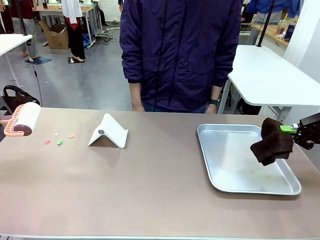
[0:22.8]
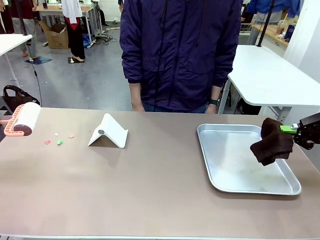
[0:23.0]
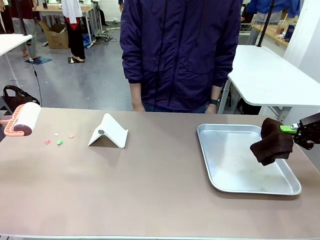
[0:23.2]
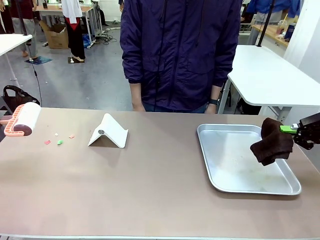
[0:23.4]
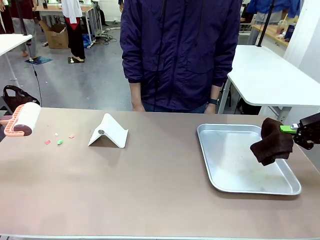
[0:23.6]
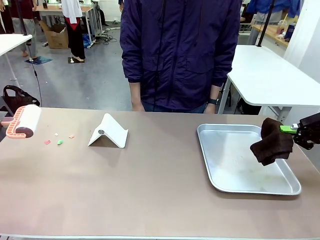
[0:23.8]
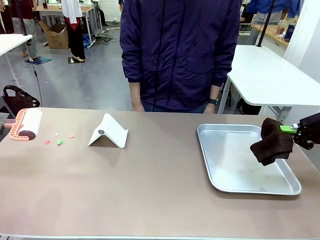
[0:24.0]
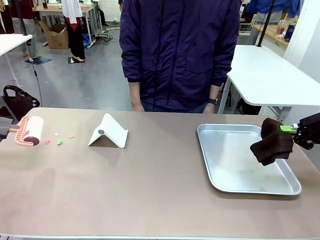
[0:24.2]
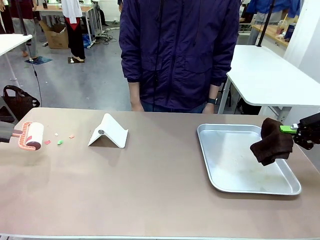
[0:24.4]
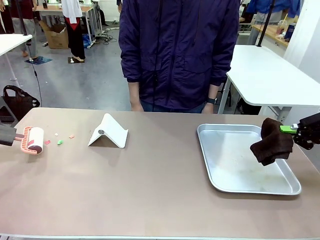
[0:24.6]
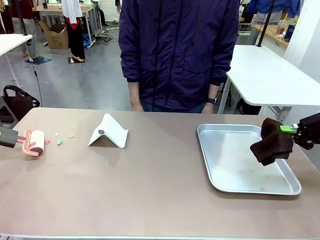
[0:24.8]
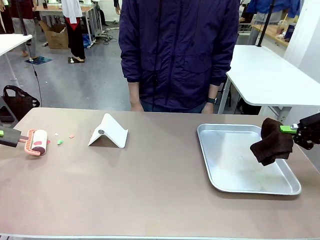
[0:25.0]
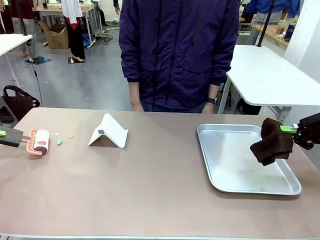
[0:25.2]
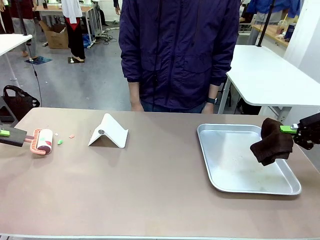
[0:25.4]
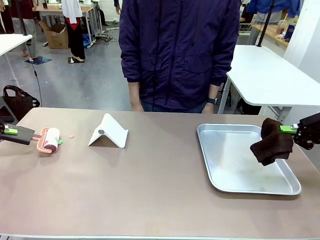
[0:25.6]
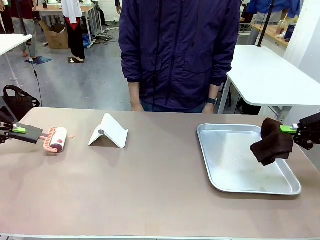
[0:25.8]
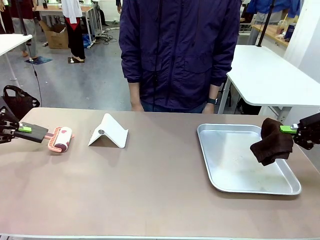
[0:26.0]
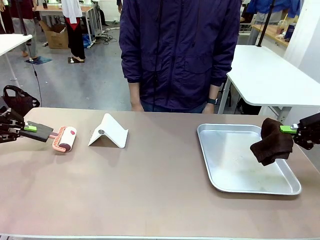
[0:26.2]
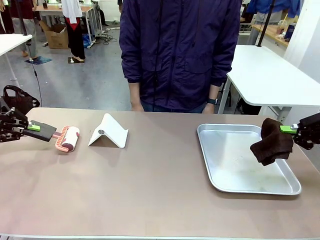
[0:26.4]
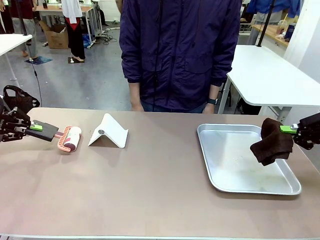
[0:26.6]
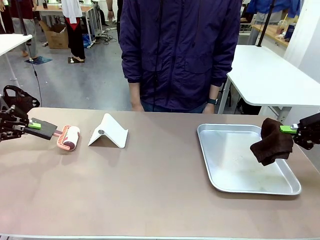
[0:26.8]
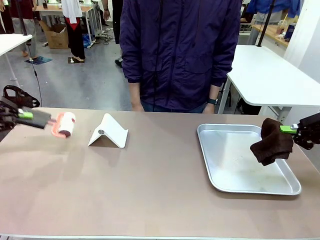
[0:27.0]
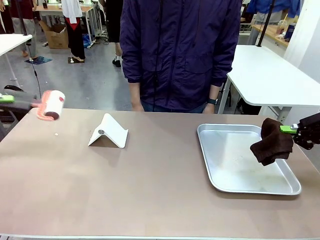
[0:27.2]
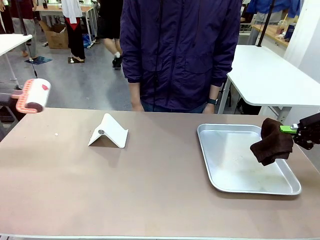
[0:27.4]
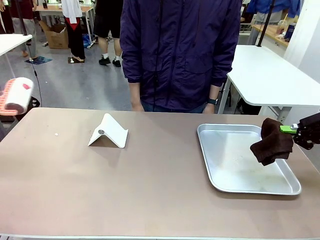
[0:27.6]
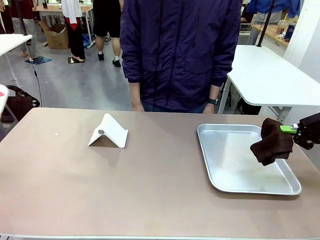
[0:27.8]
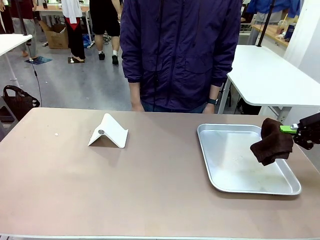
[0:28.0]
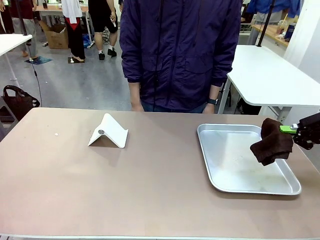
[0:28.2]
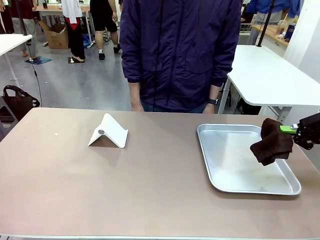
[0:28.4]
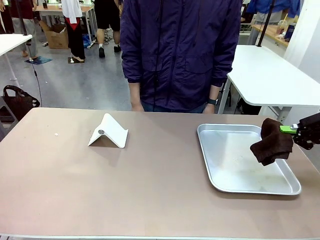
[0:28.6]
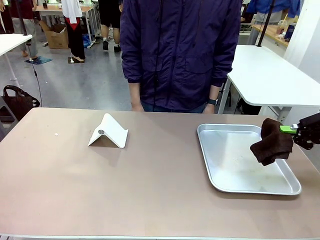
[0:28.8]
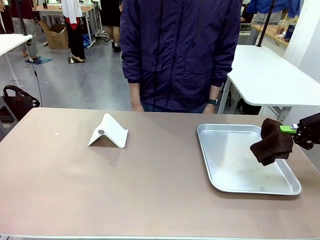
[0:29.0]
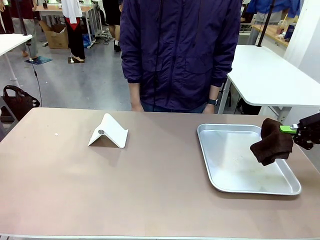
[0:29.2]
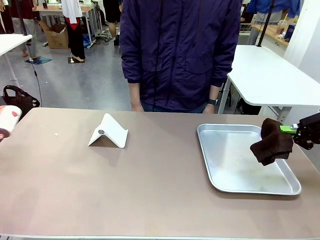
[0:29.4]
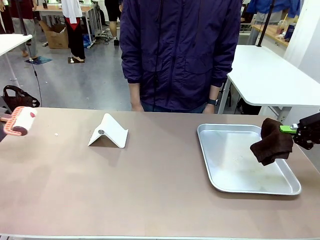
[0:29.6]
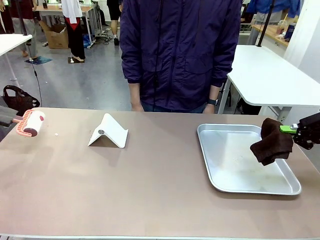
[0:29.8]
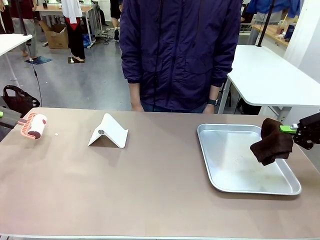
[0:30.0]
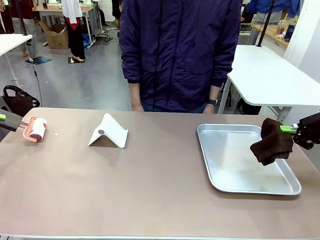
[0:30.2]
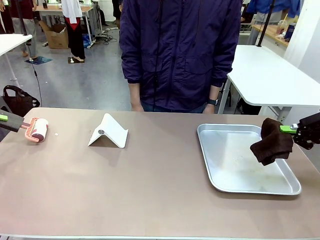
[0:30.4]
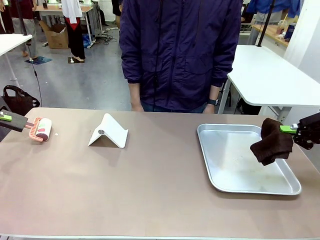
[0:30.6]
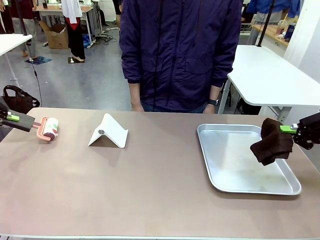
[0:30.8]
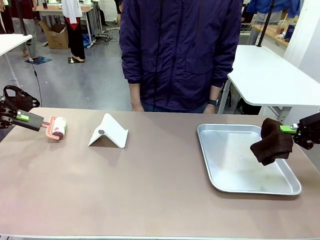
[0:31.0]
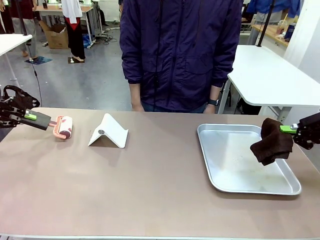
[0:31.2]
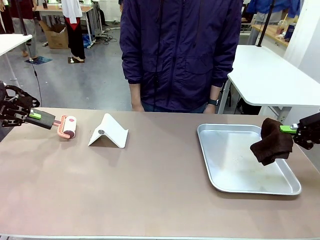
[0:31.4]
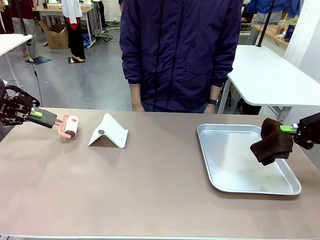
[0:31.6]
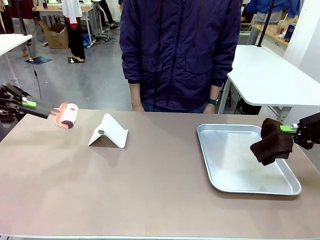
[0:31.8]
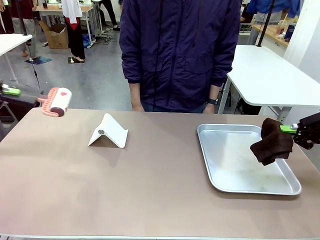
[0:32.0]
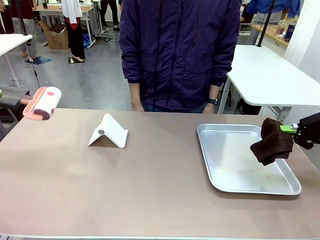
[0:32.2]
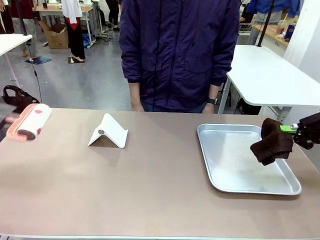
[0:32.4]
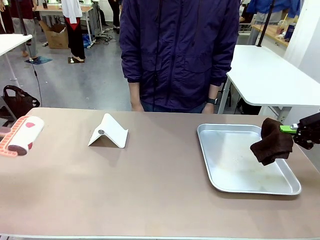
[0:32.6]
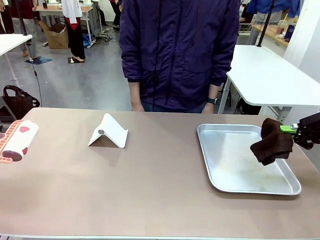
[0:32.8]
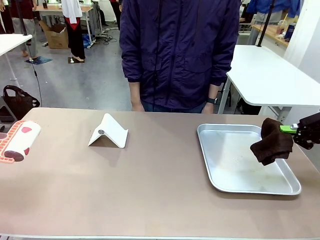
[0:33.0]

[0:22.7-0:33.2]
Task: Clean the surface of the table.
Robot: Clean the area not pointed to by the person.

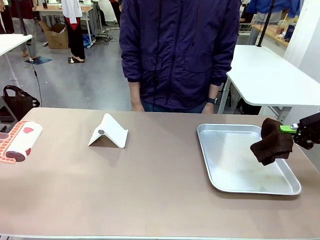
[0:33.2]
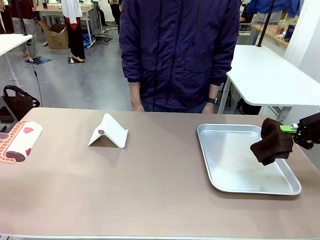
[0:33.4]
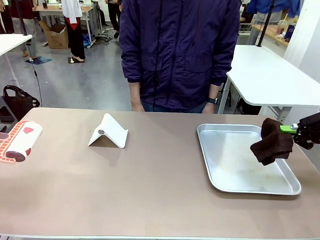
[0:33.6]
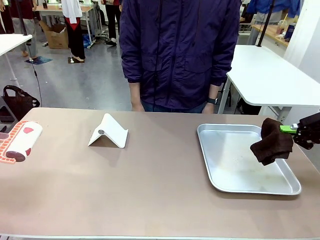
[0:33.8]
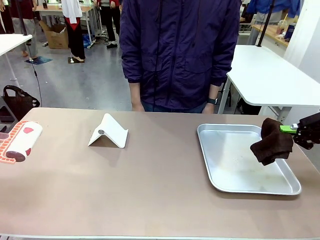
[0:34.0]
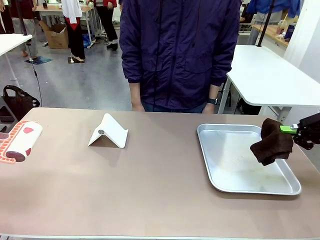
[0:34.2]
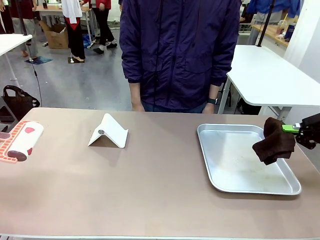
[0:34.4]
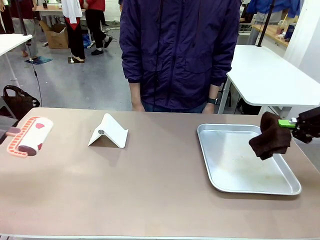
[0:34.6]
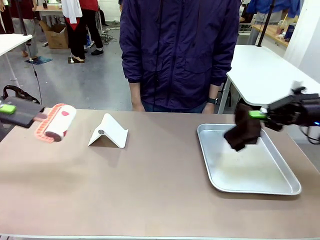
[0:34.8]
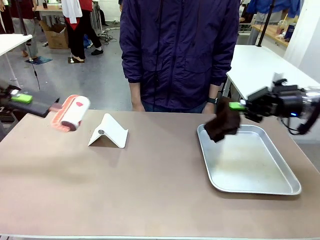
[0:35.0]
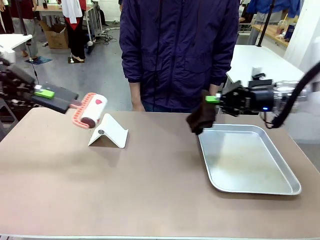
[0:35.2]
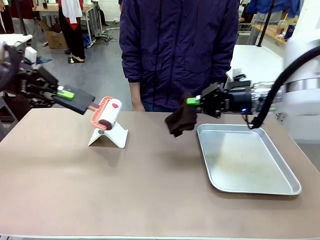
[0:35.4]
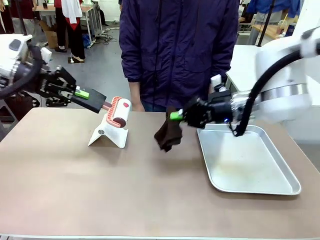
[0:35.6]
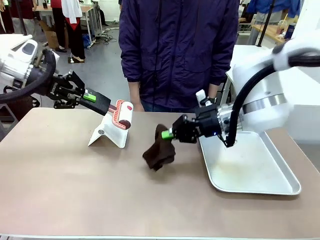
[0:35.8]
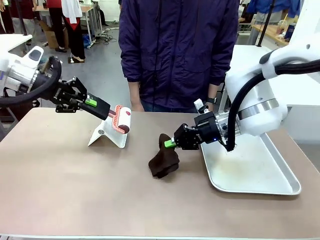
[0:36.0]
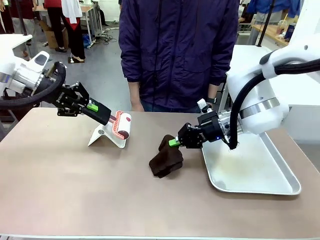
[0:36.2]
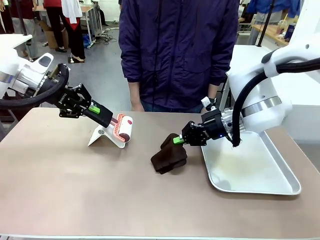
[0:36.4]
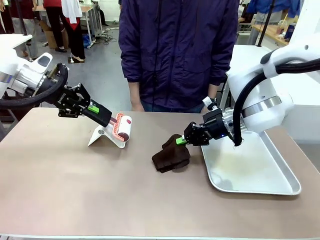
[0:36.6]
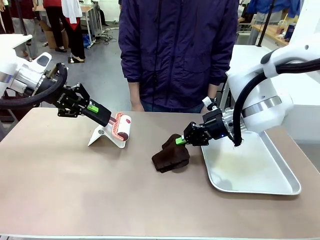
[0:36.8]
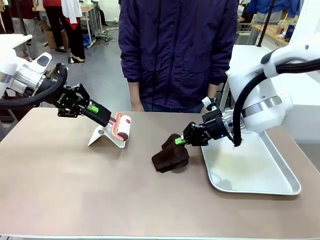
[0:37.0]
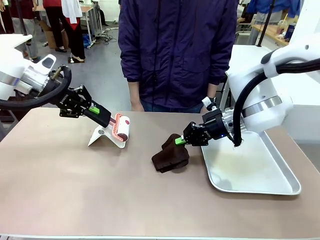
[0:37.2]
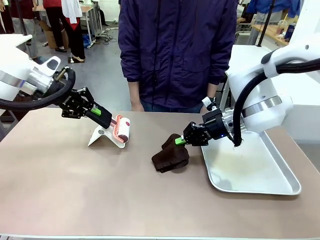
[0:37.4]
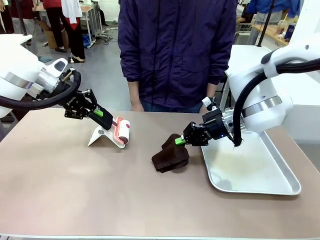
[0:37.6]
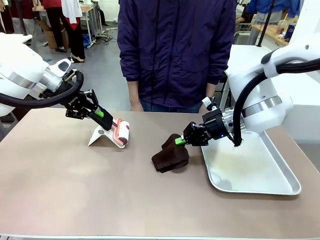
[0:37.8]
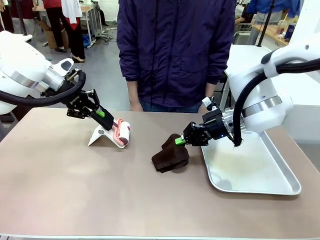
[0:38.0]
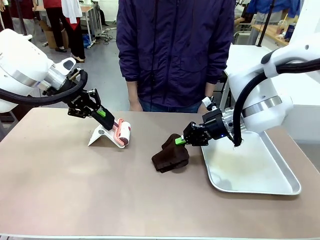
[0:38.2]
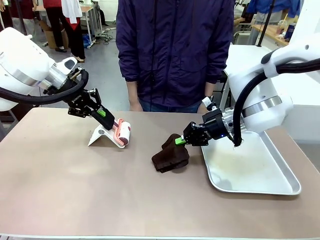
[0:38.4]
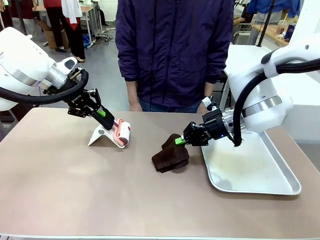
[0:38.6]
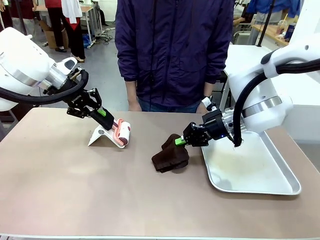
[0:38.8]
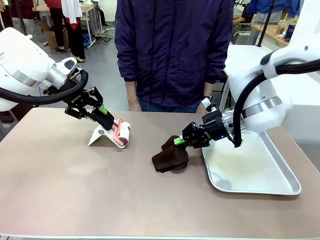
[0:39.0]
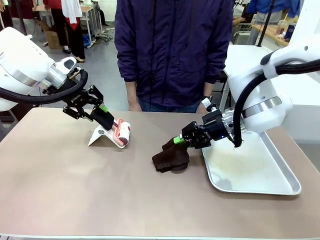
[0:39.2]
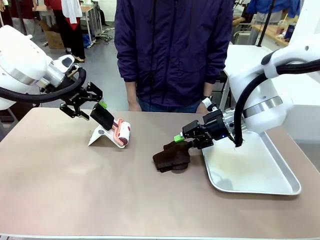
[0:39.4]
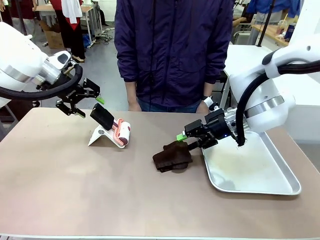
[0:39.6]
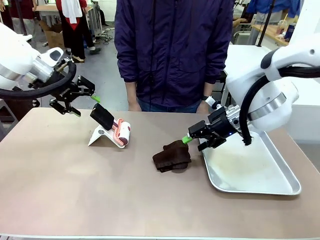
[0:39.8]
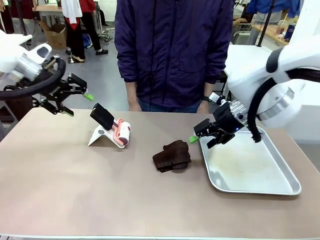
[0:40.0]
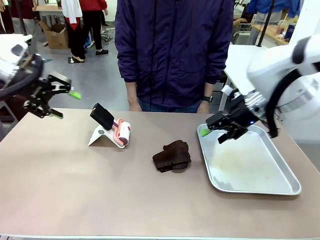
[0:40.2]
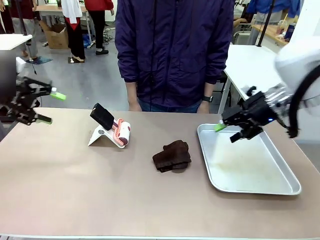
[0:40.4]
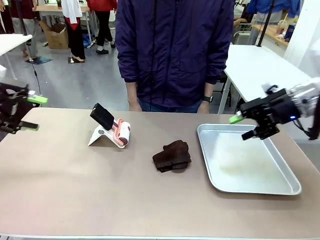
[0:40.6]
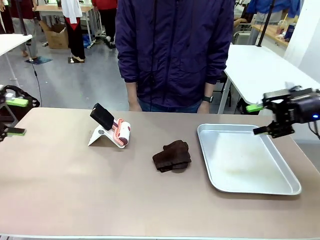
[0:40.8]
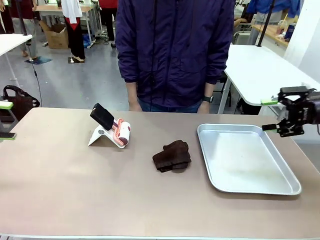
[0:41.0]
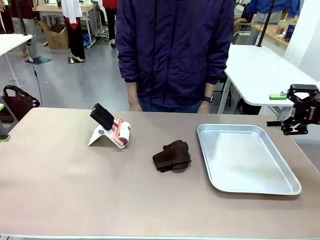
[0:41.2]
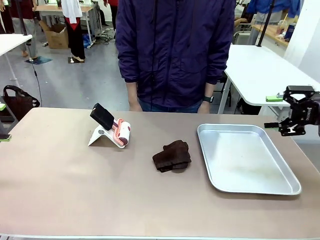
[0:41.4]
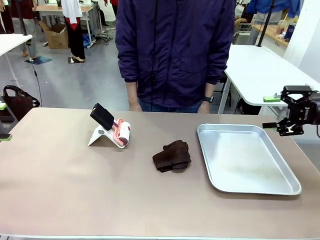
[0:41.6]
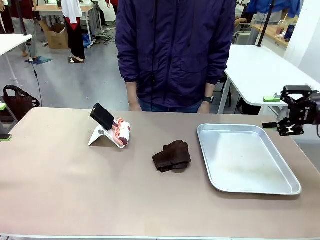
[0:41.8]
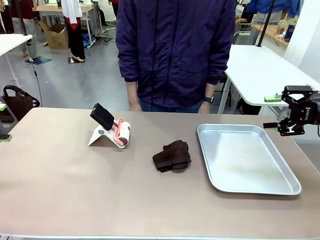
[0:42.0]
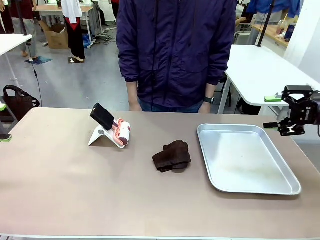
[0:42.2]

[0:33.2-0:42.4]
Robot: Return the Lint Roller and towel to their original positions.
